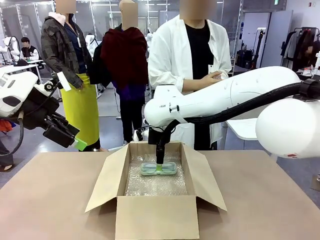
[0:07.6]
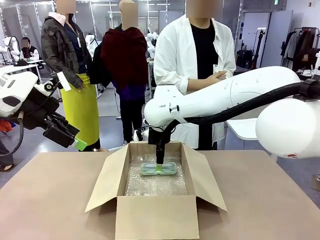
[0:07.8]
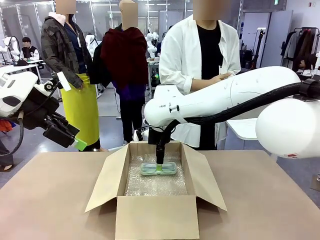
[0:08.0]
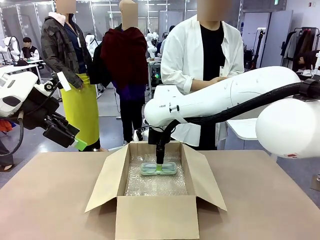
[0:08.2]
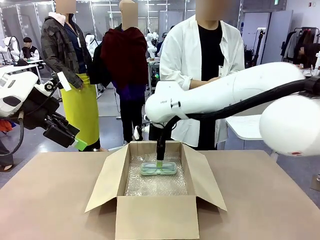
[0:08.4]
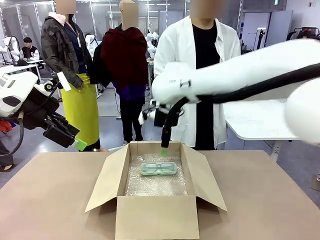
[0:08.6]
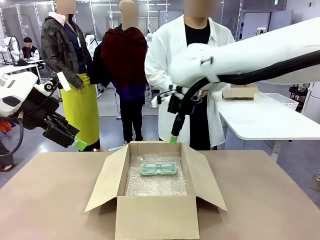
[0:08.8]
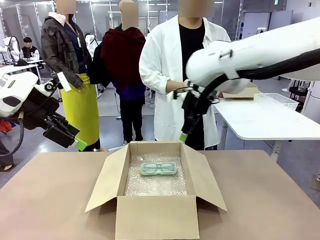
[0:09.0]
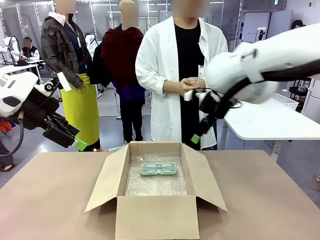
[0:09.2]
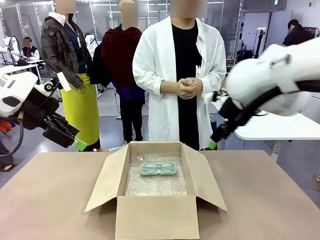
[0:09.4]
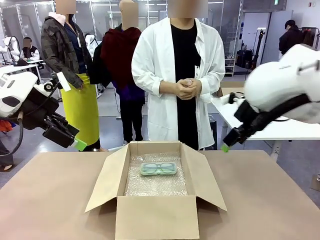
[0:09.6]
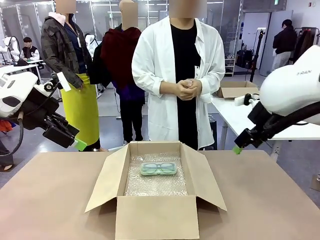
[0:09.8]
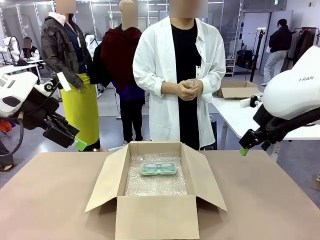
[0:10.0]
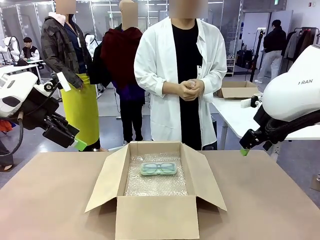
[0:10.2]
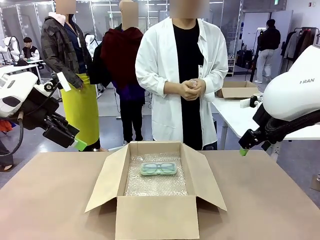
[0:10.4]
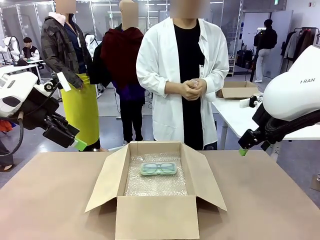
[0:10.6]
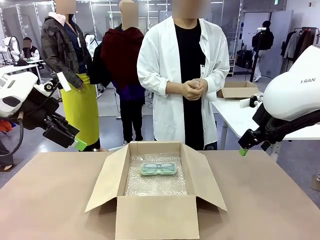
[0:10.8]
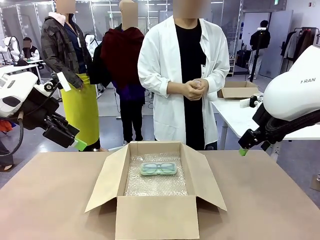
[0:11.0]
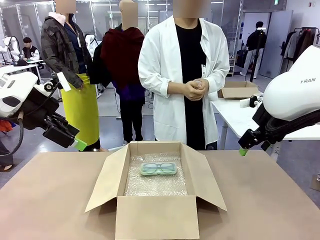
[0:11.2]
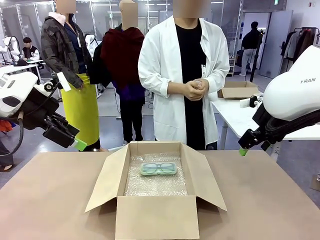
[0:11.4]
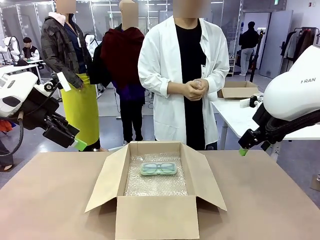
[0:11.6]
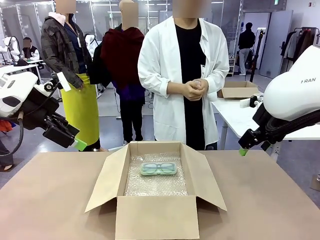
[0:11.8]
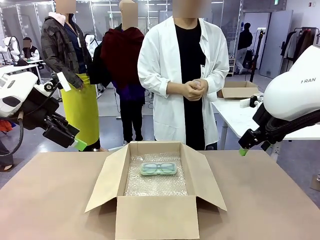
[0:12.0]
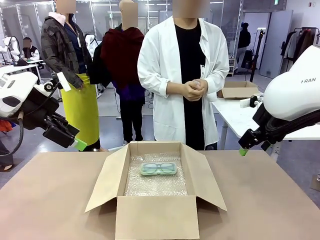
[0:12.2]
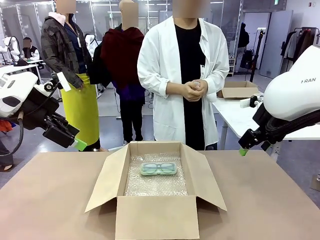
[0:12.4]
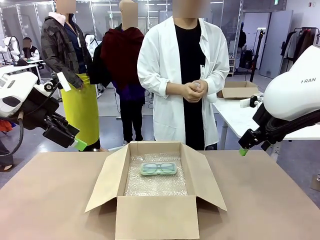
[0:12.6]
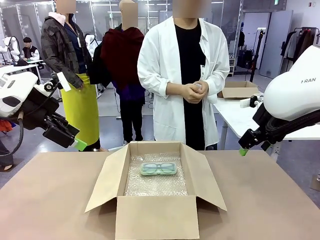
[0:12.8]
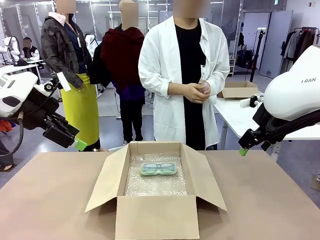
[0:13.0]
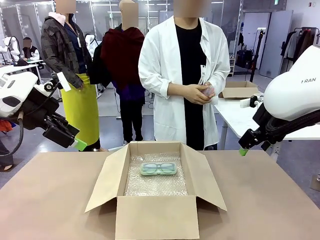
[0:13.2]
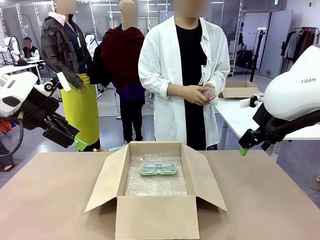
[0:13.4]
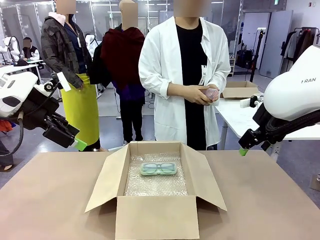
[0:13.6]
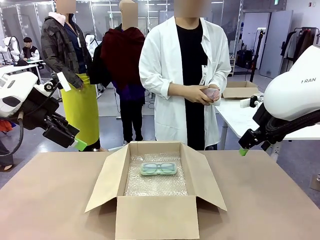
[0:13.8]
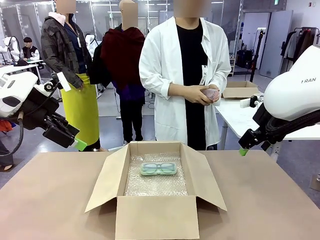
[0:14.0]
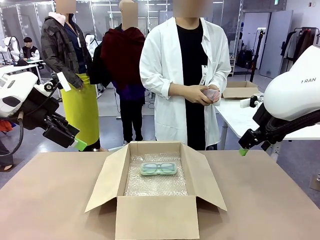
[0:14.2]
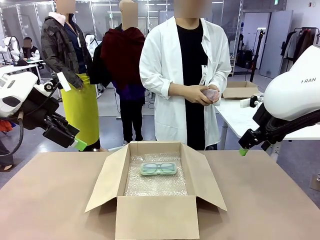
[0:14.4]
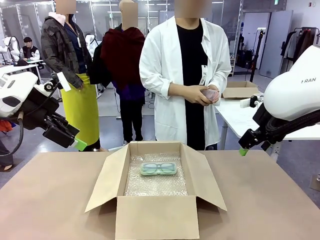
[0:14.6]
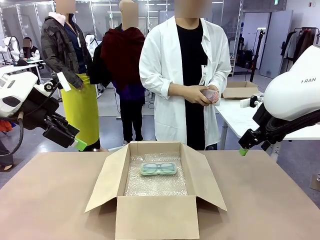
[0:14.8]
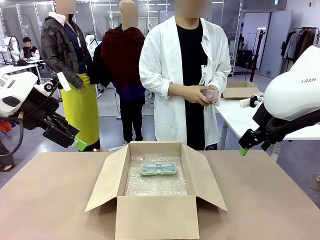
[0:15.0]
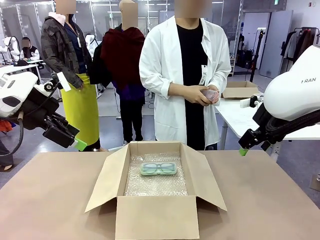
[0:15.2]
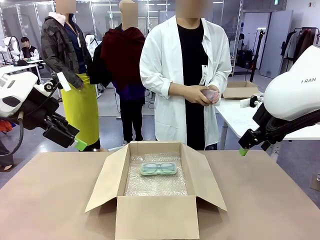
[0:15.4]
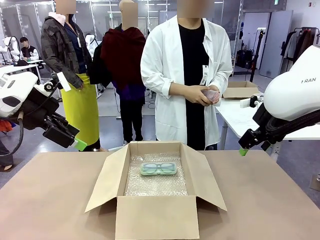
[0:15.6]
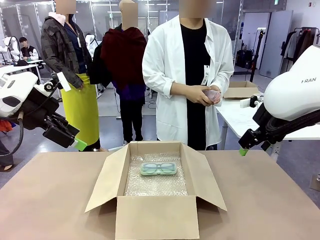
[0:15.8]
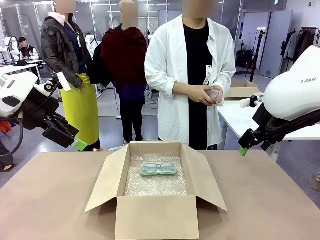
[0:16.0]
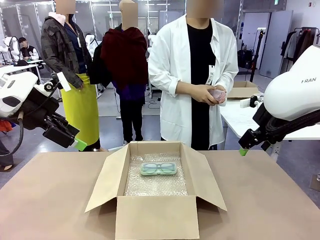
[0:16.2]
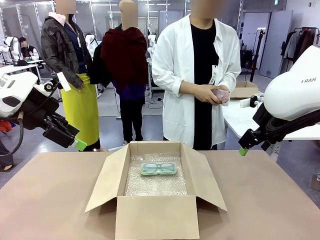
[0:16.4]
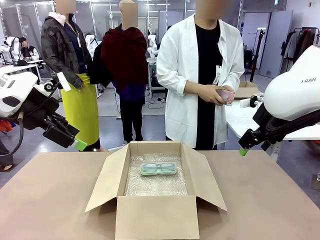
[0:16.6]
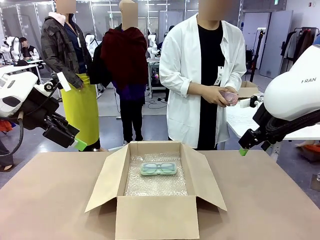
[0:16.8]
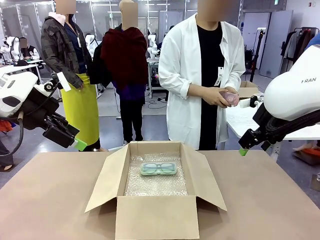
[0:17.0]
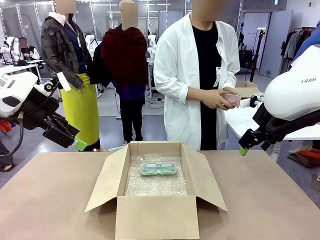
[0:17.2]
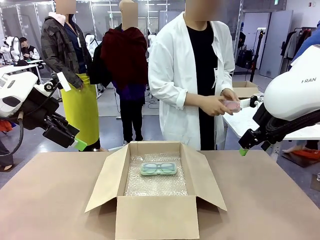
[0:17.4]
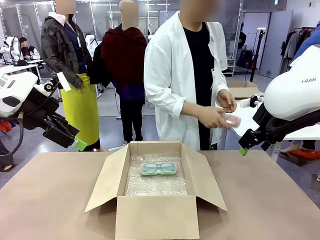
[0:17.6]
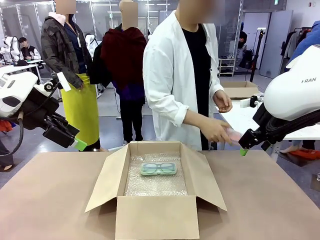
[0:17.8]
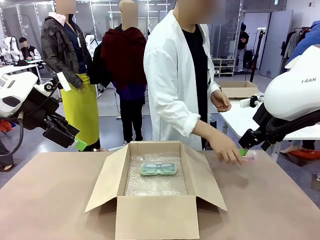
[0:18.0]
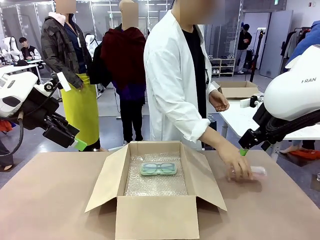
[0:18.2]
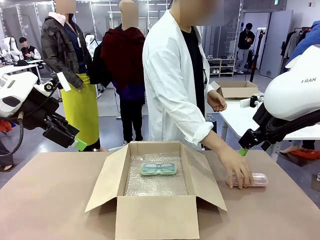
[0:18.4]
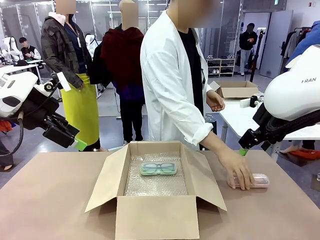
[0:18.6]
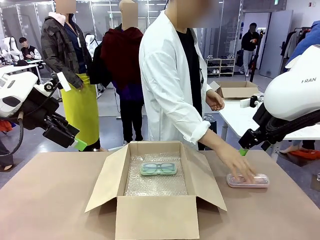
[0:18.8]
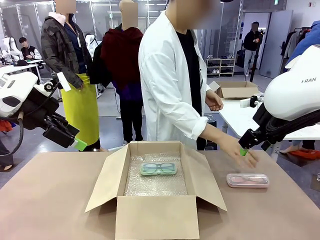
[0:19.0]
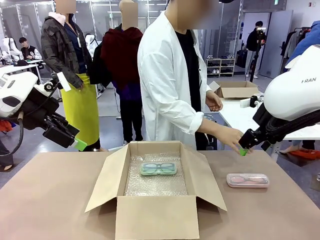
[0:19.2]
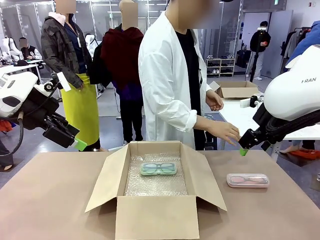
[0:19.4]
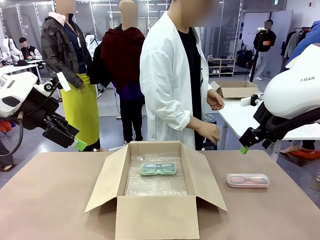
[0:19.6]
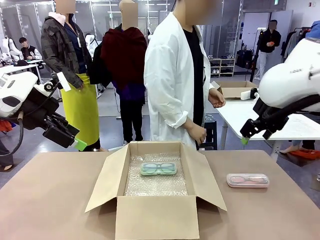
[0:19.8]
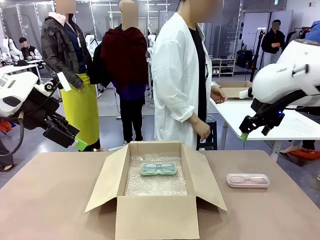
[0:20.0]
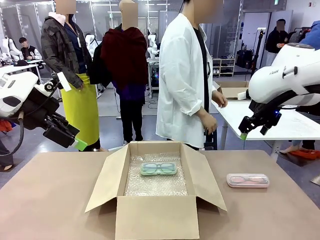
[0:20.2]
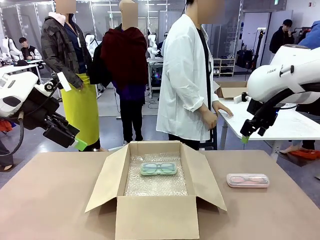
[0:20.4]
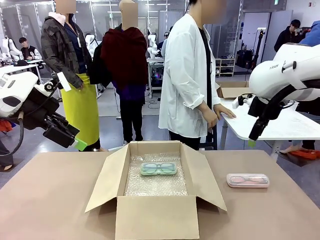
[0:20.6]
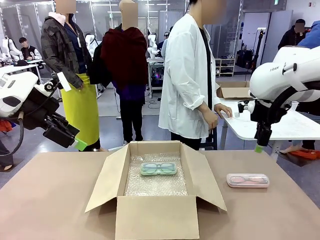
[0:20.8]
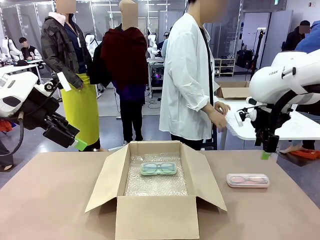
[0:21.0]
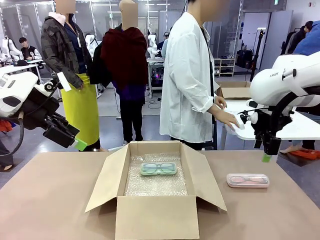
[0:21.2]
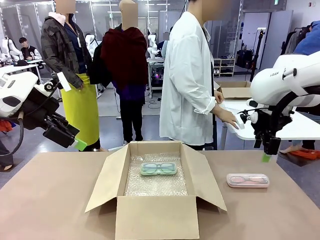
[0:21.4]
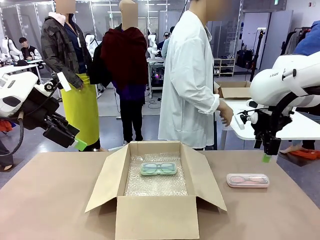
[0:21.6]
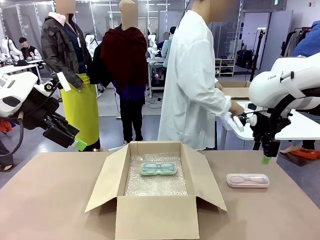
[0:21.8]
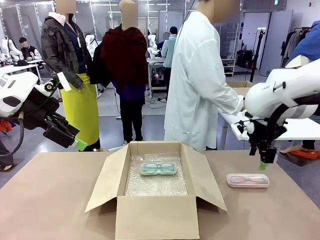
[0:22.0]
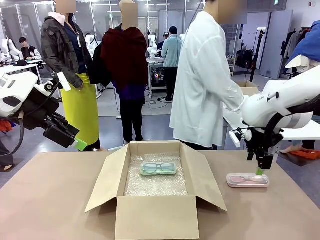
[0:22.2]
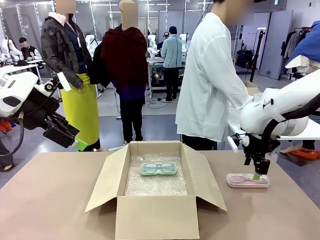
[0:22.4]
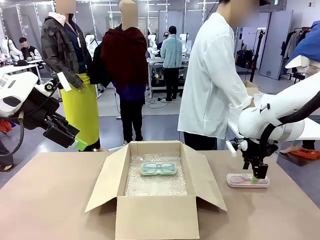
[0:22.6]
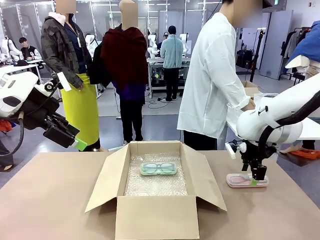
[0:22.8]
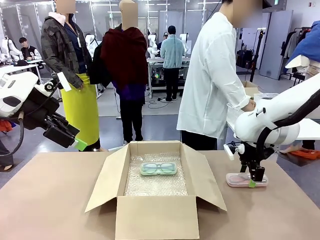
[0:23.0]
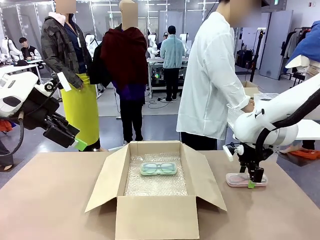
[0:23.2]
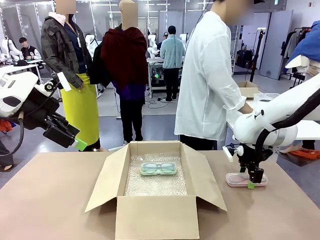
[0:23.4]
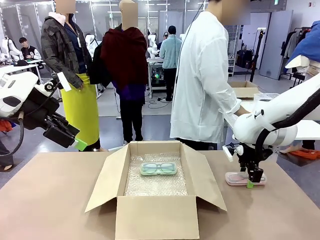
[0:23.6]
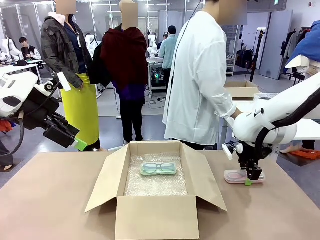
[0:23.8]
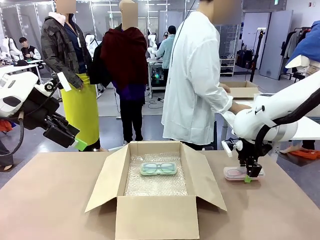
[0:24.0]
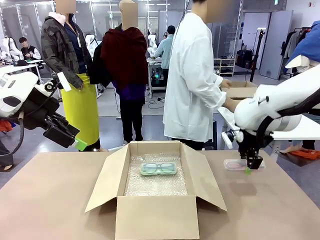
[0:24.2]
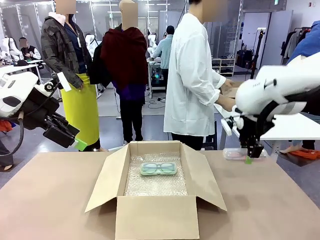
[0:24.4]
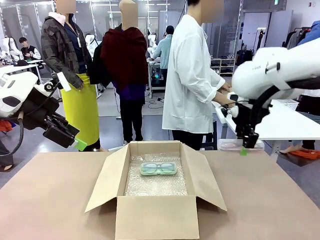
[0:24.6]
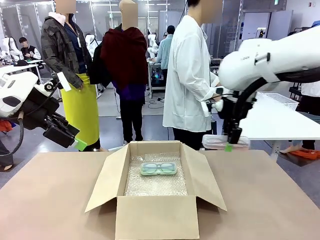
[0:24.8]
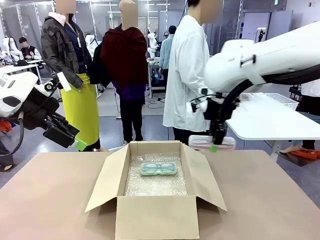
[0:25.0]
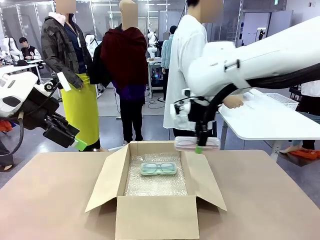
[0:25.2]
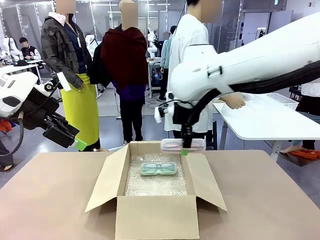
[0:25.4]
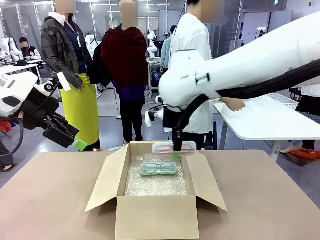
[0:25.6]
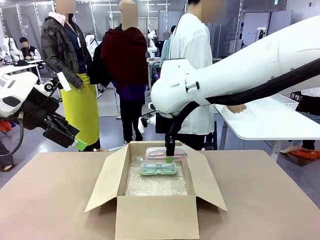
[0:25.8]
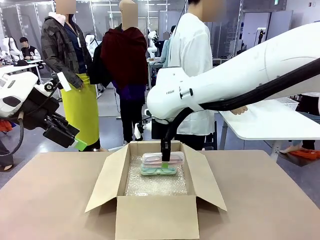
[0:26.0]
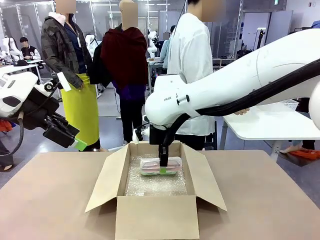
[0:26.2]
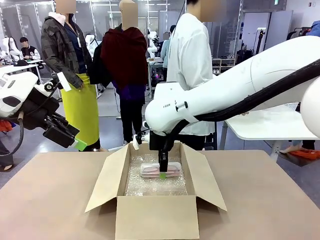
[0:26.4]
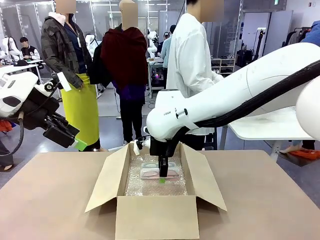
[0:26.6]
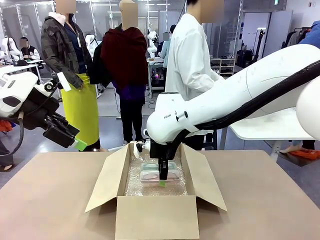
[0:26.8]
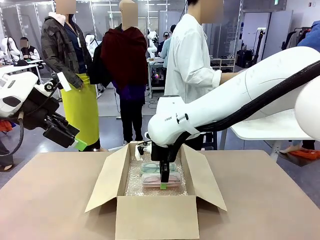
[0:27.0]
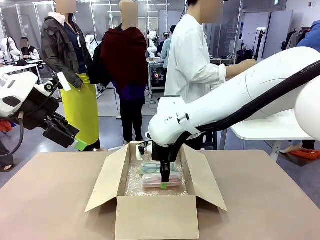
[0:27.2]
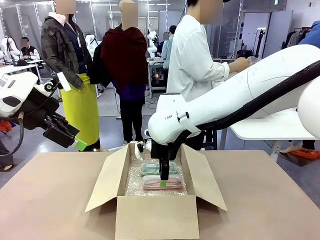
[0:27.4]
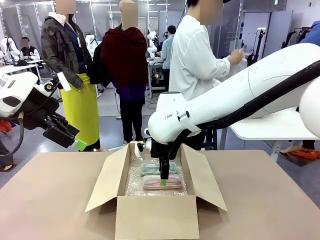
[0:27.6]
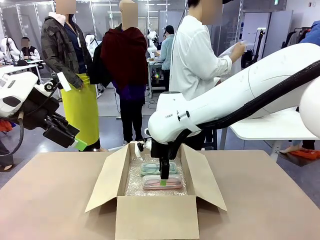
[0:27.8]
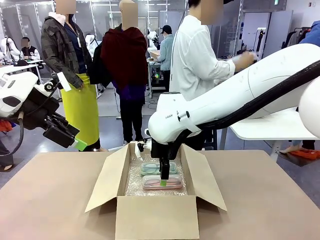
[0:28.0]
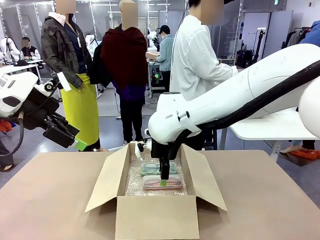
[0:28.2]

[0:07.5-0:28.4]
Task: Pack the glasses set securely to prepare it for shipping.
Robot: Put the Glasses case from the right side of the table into the Package Box.
Person: Position the Glasses case on the left side of the robot's table.
